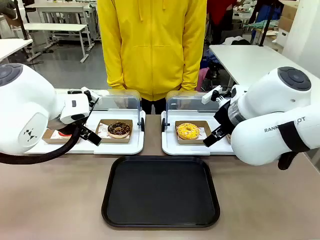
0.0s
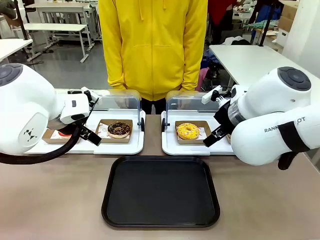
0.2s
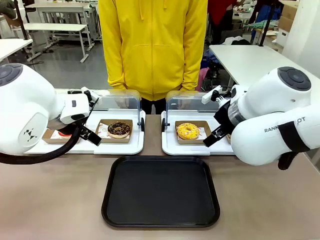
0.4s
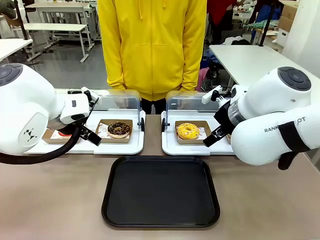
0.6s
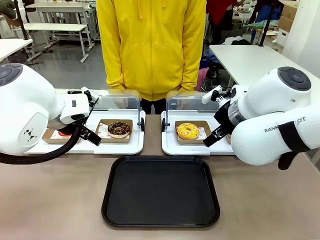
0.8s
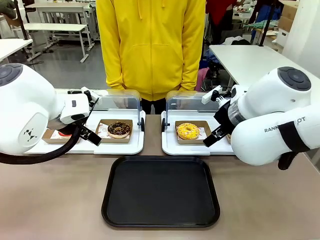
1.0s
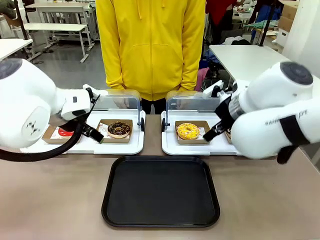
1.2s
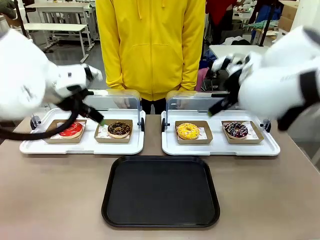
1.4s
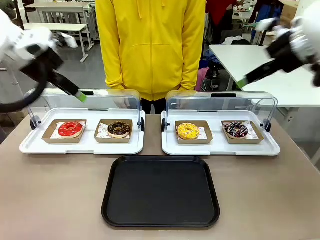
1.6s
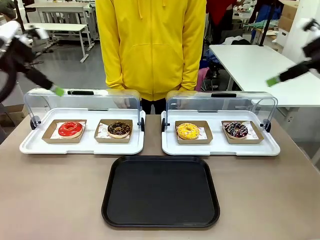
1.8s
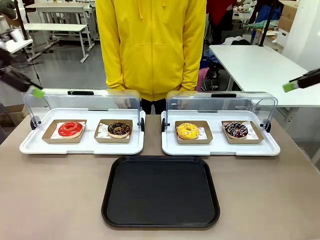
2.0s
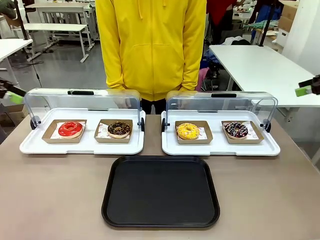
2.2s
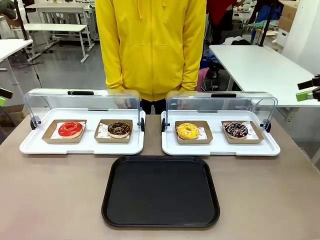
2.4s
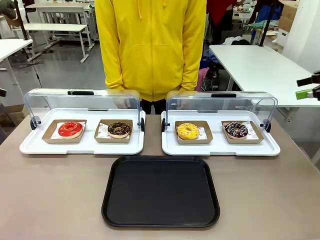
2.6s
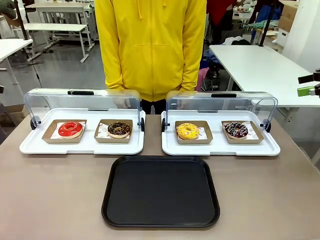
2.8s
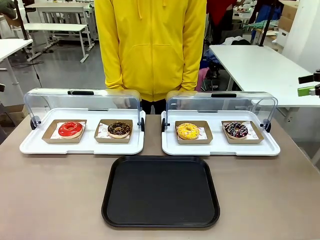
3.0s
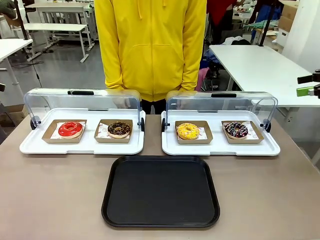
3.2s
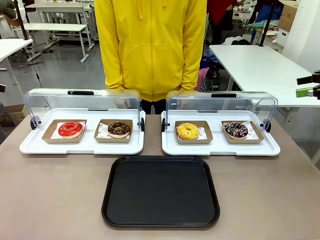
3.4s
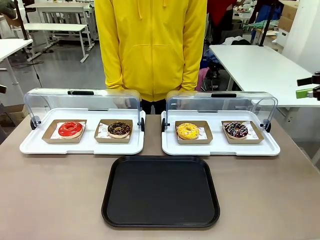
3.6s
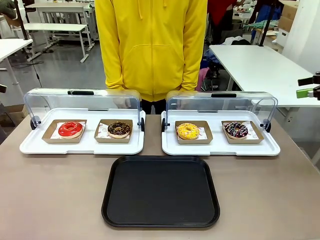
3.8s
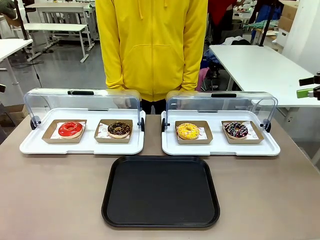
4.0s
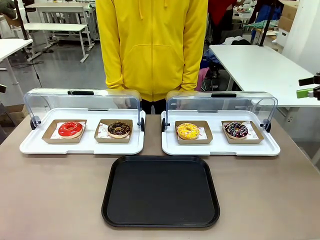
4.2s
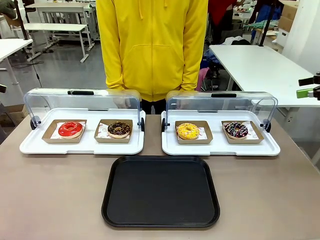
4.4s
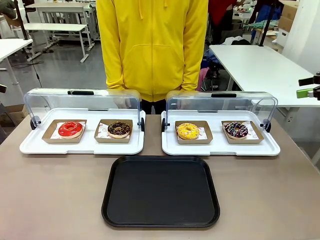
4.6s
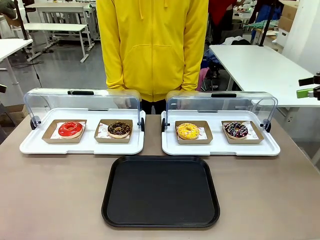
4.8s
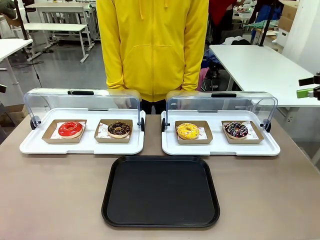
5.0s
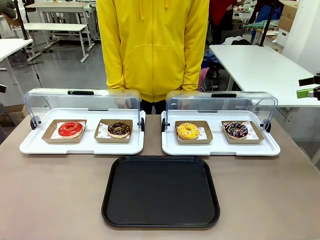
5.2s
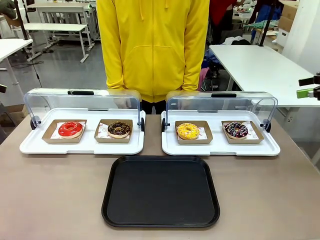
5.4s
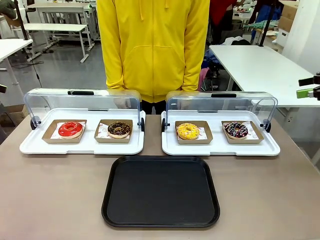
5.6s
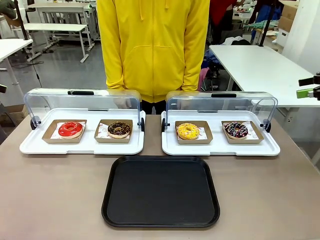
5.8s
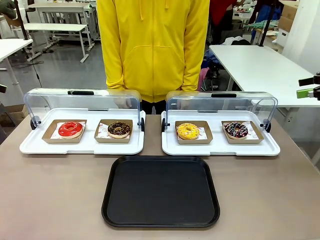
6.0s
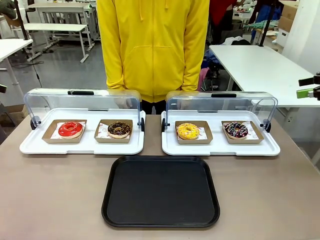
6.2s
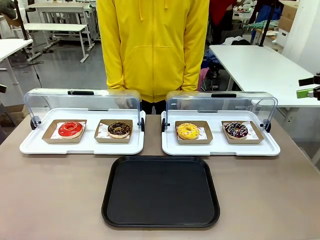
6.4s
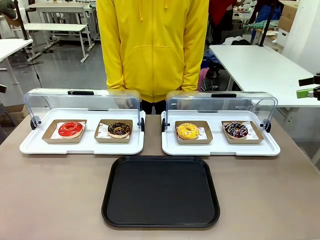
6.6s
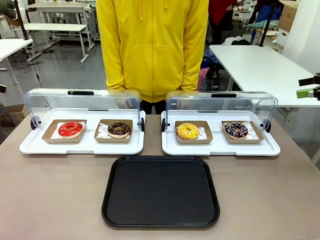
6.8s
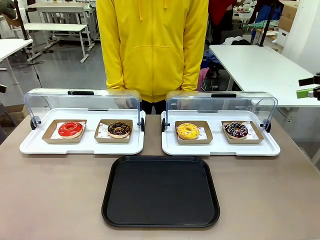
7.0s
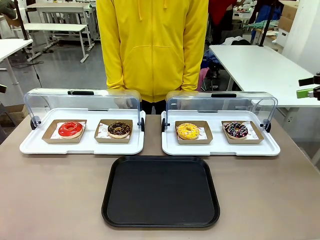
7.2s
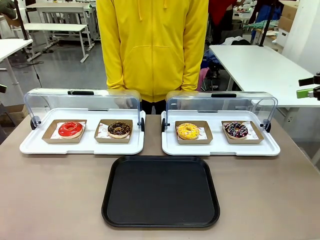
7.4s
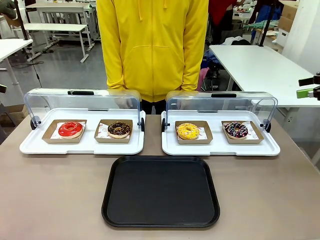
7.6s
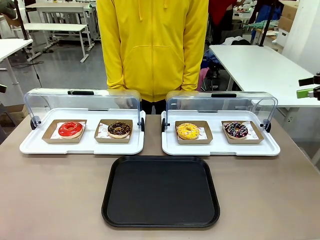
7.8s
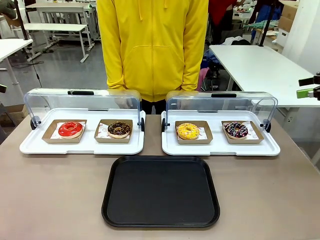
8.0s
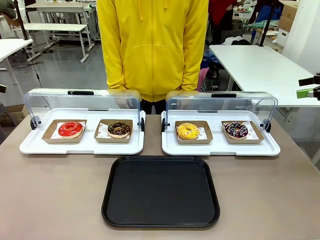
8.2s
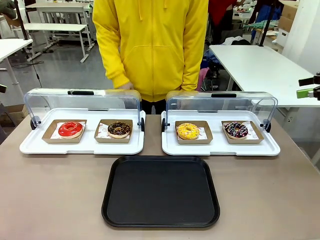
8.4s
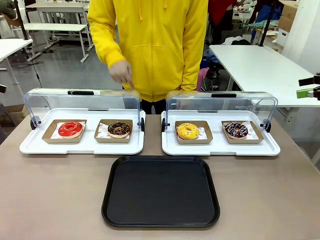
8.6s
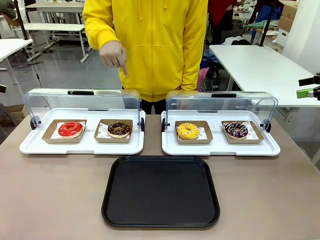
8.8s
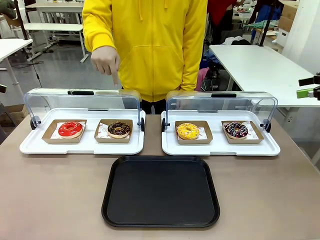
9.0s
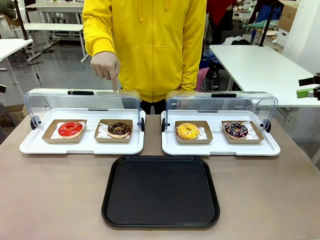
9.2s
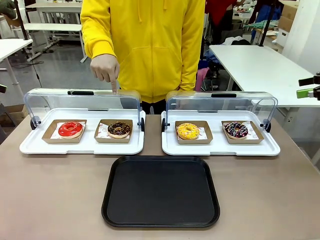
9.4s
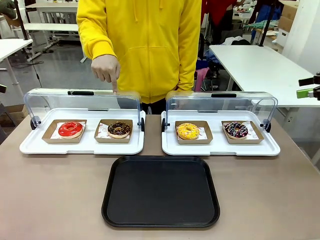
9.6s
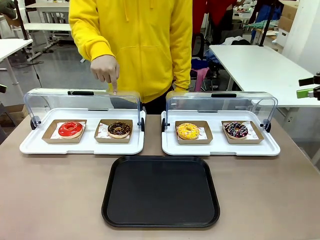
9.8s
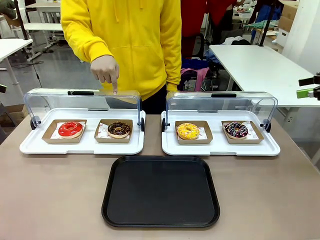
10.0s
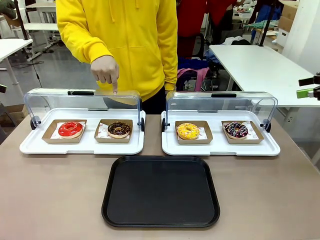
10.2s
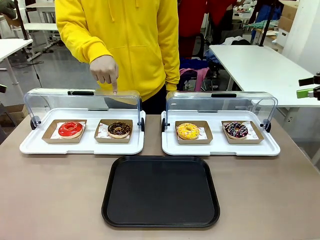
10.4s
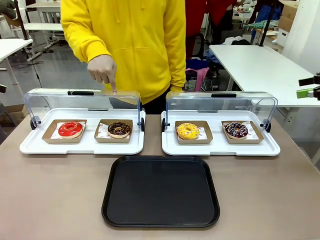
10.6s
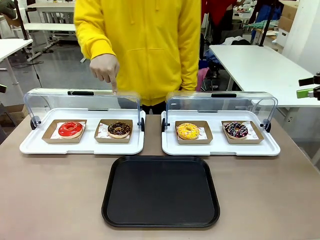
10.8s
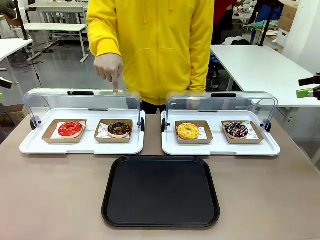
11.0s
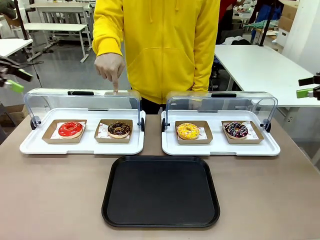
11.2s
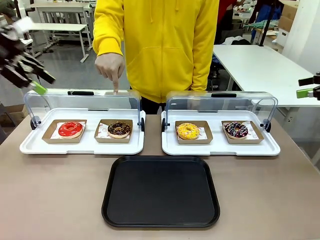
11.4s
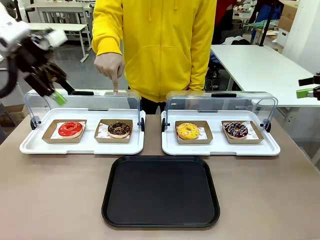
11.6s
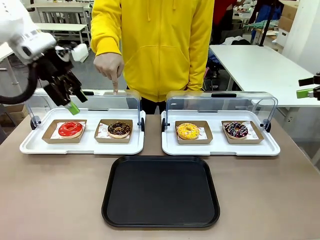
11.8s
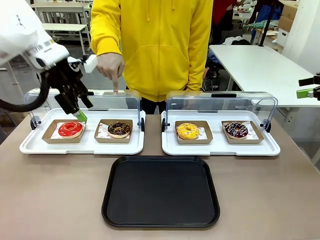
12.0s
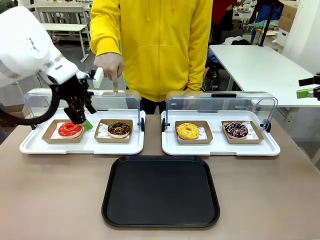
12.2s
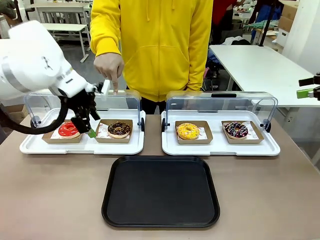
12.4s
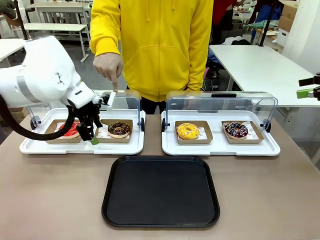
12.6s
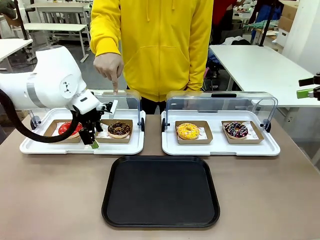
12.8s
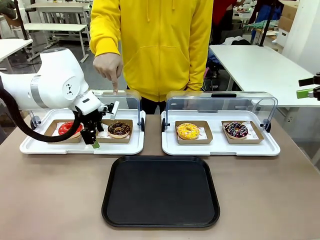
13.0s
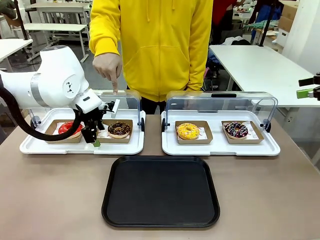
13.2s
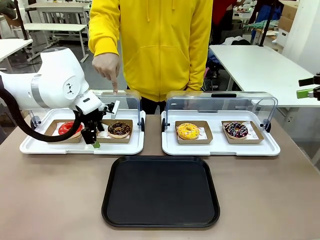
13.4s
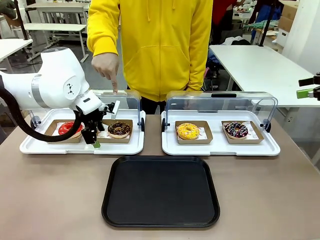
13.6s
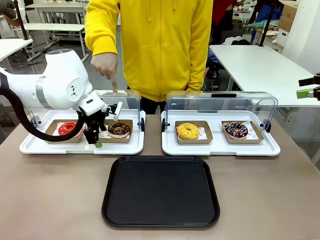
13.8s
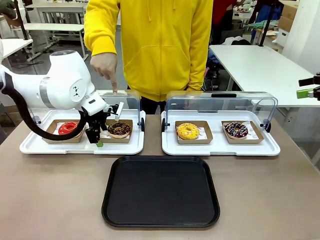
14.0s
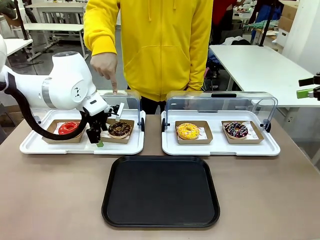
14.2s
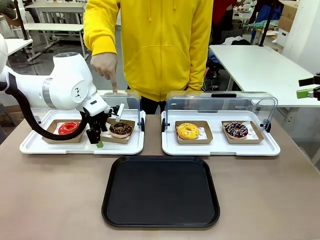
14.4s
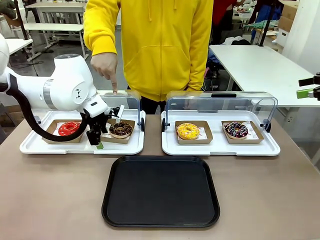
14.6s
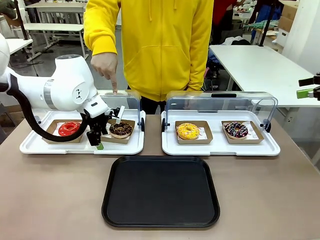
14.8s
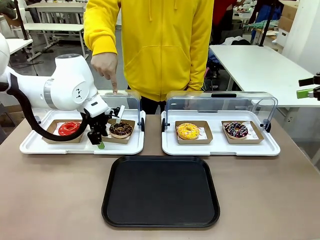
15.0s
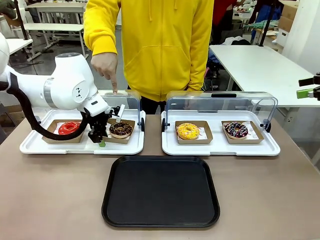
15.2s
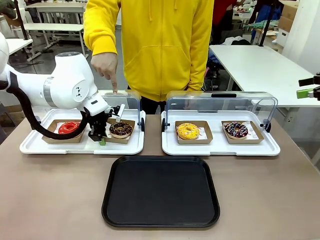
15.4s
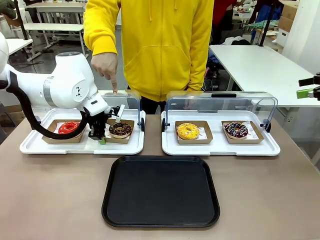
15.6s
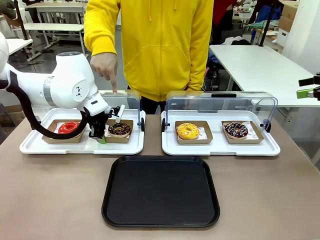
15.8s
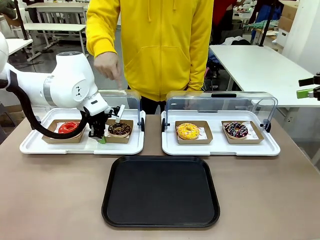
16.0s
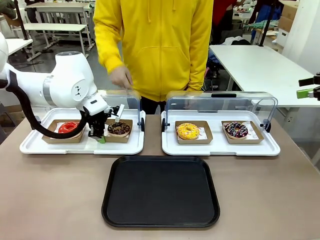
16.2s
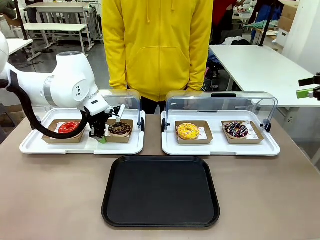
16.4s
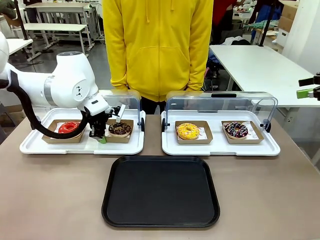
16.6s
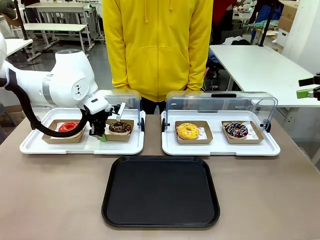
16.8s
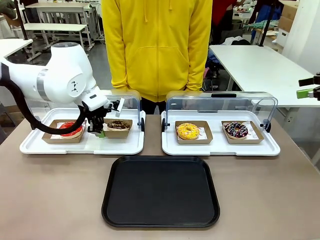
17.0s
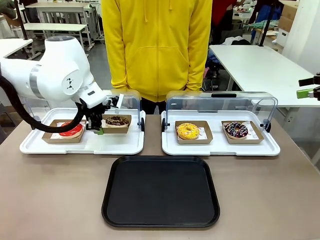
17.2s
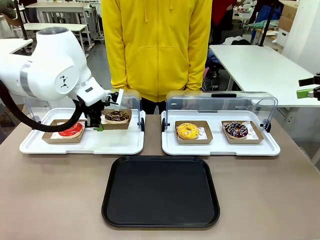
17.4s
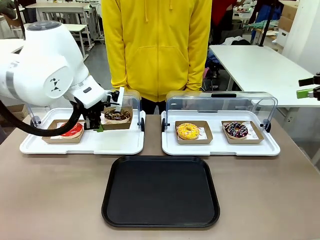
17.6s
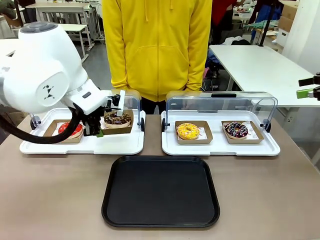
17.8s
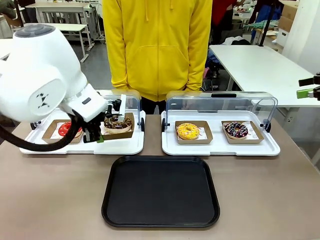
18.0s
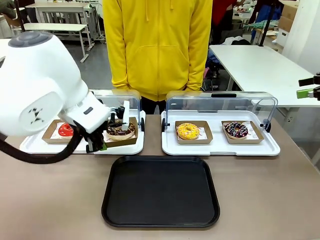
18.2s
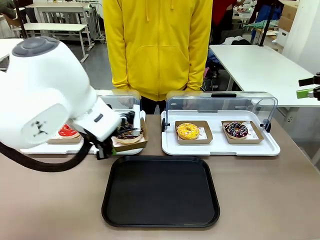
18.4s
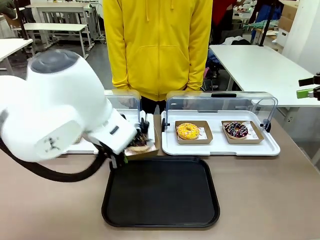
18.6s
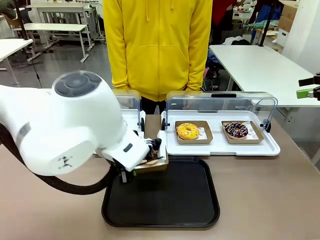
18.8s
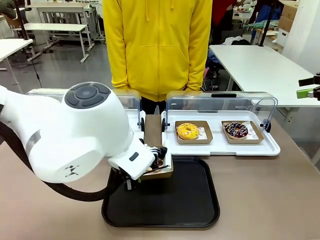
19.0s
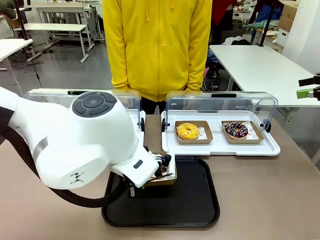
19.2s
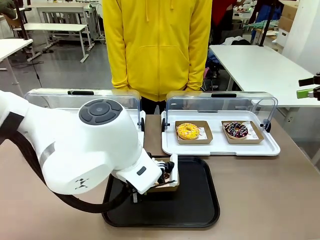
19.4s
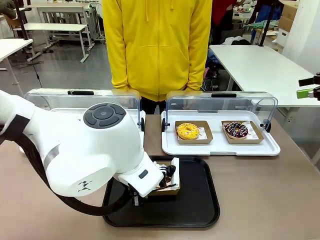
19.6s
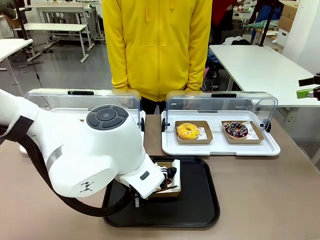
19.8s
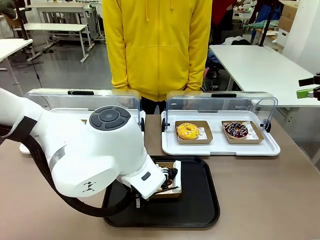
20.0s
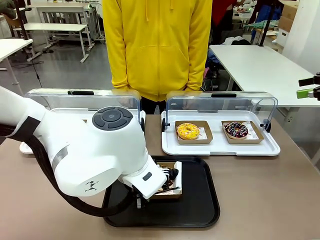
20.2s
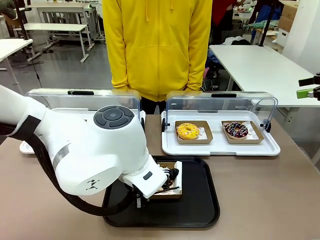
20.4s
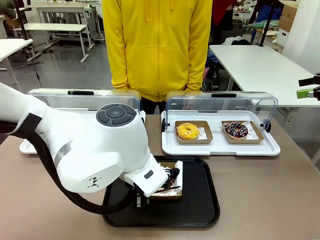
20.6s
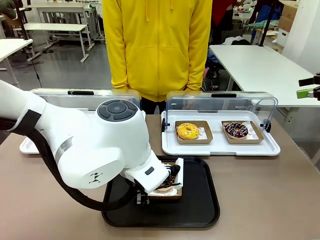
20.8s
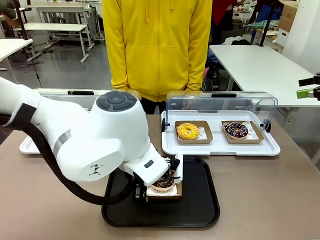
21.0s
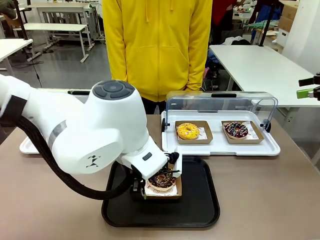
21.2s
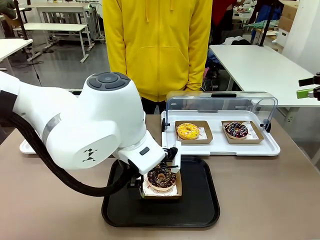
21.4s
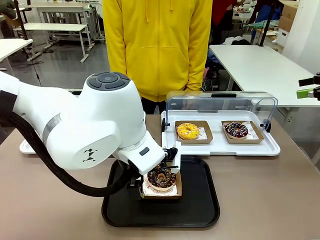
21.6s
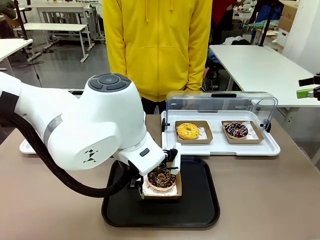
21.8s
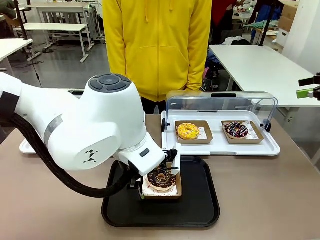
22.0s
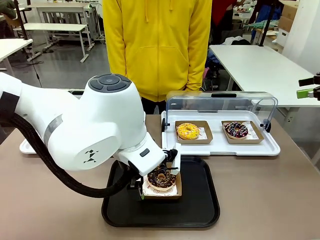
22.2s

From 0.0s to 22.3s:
Task: Move the second donut from the left to the tray.
Robot: Pick up the Paper togo box containing the Donut indicated by the person and place it on the Handle tray.
Person: Points to the second donut from the left from the robot’s perspective.
